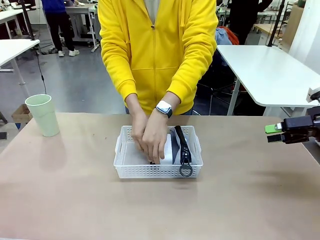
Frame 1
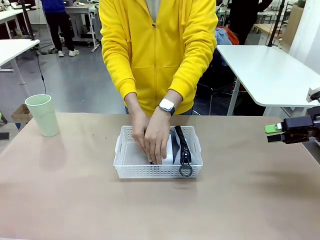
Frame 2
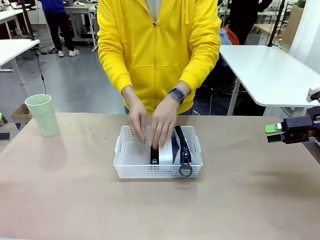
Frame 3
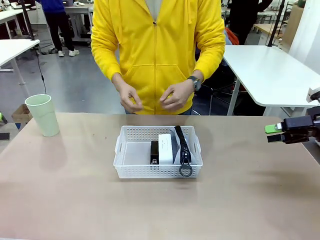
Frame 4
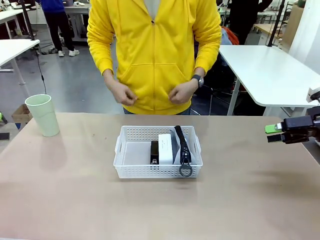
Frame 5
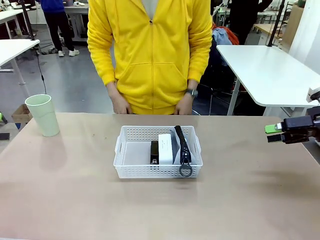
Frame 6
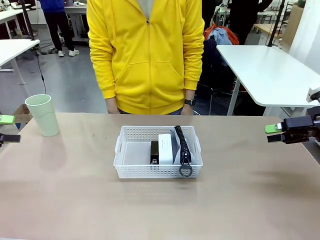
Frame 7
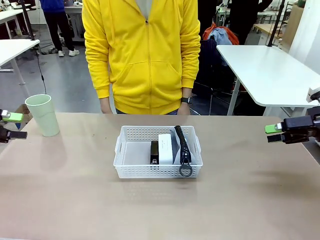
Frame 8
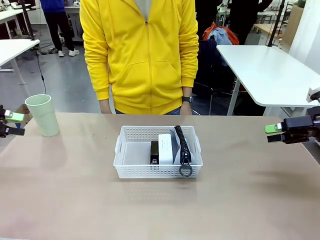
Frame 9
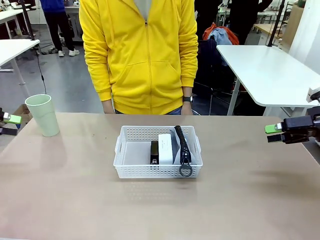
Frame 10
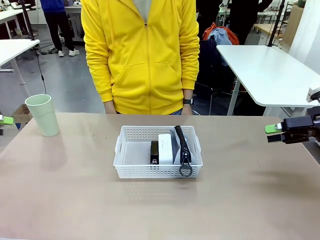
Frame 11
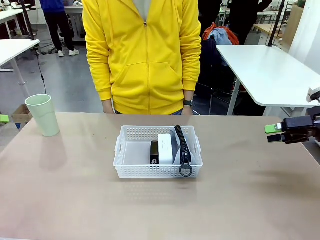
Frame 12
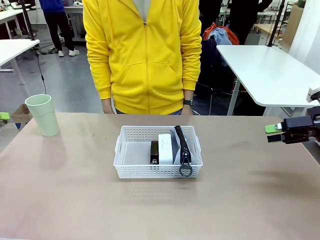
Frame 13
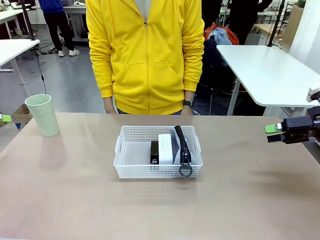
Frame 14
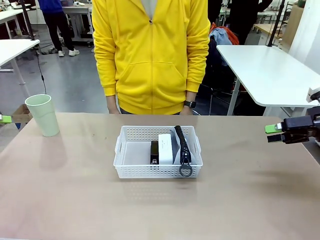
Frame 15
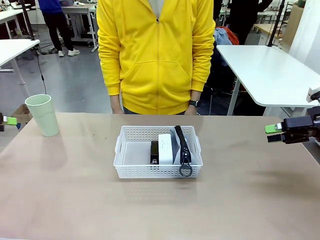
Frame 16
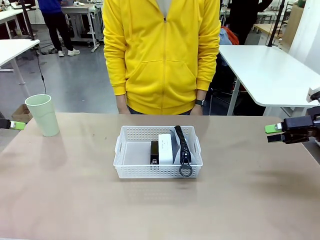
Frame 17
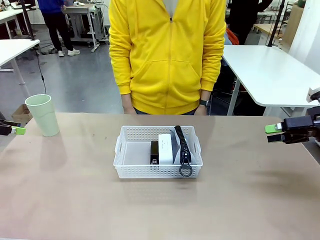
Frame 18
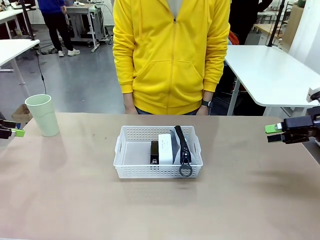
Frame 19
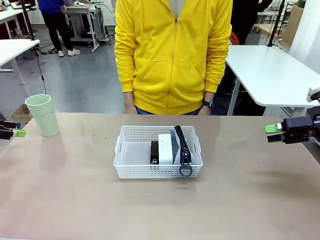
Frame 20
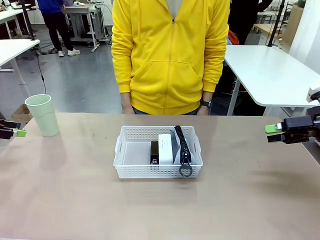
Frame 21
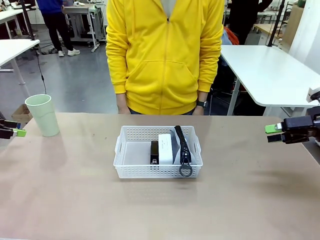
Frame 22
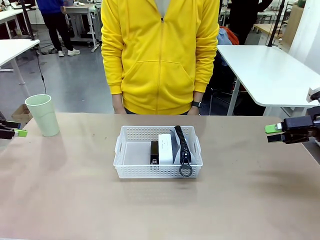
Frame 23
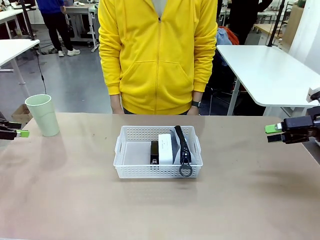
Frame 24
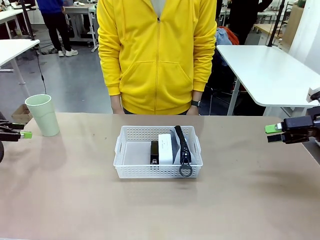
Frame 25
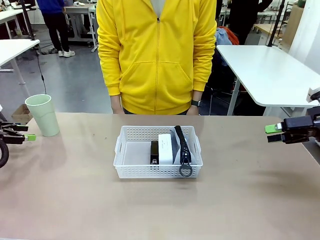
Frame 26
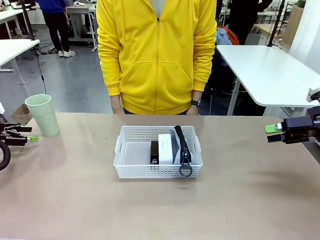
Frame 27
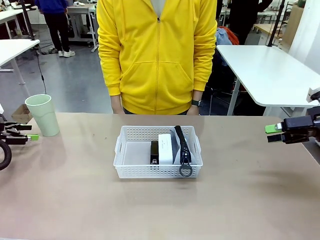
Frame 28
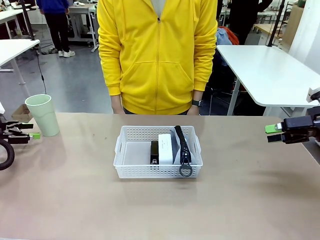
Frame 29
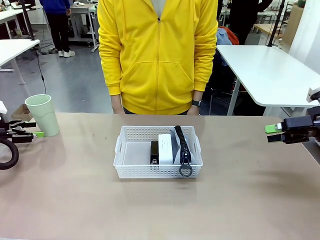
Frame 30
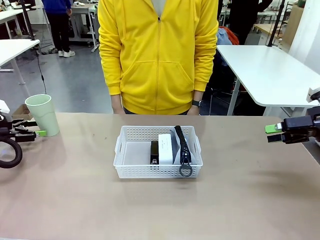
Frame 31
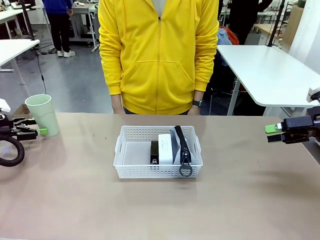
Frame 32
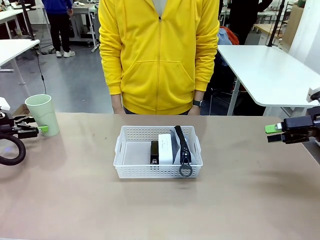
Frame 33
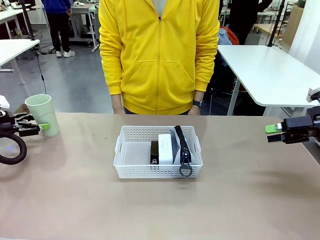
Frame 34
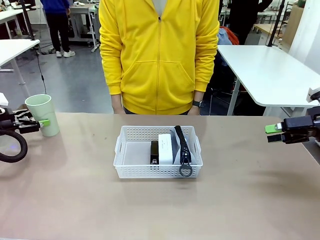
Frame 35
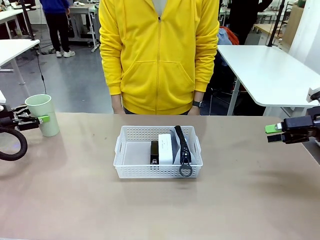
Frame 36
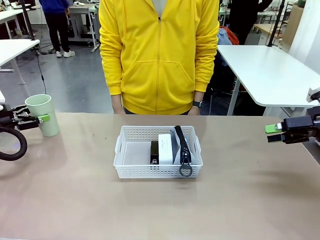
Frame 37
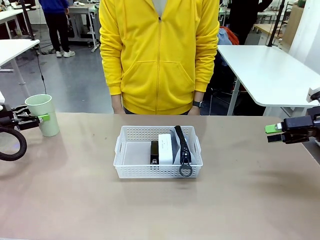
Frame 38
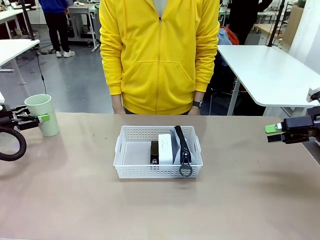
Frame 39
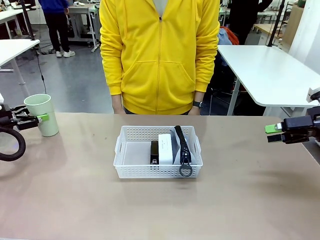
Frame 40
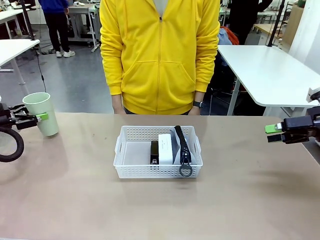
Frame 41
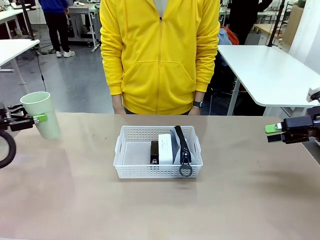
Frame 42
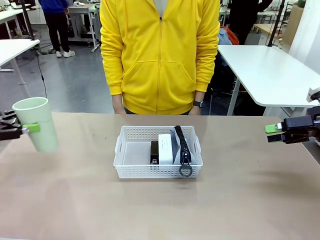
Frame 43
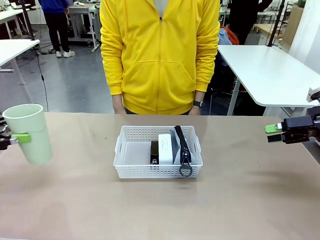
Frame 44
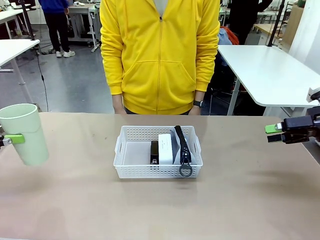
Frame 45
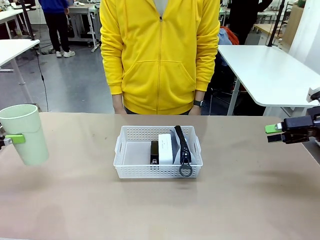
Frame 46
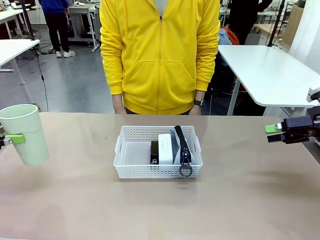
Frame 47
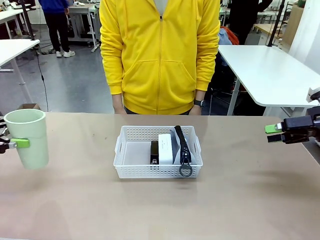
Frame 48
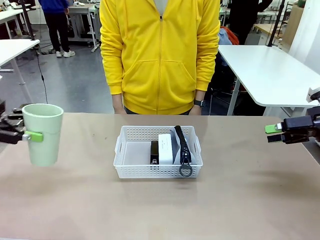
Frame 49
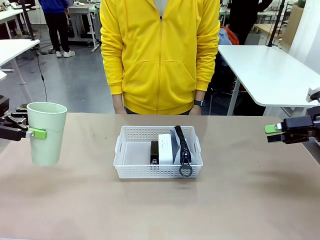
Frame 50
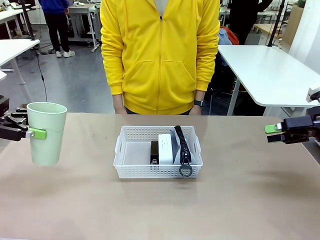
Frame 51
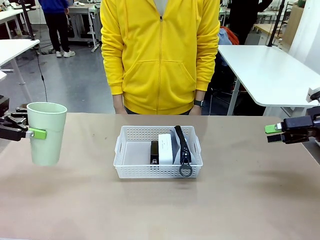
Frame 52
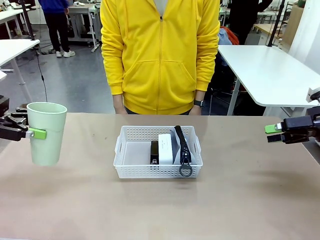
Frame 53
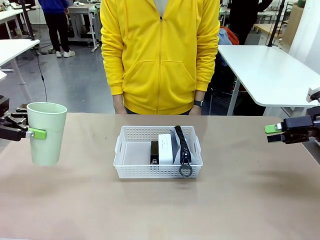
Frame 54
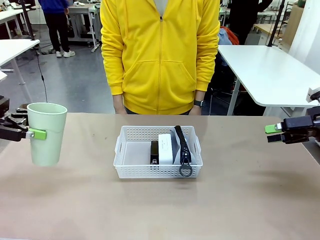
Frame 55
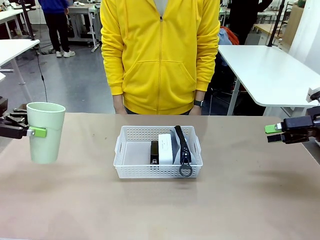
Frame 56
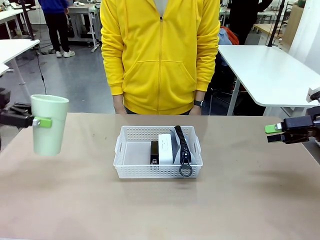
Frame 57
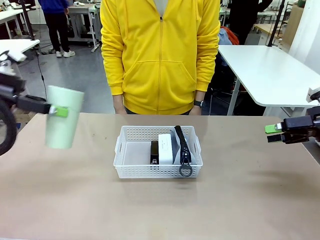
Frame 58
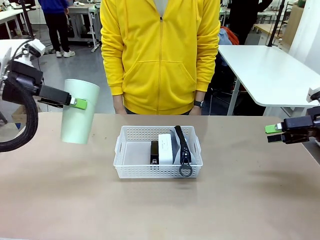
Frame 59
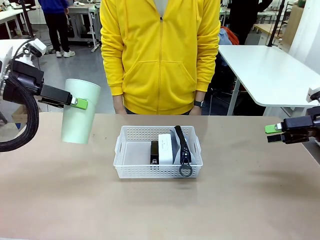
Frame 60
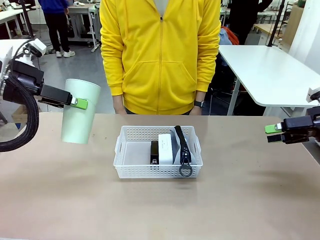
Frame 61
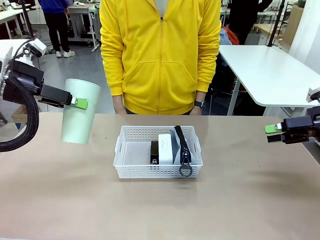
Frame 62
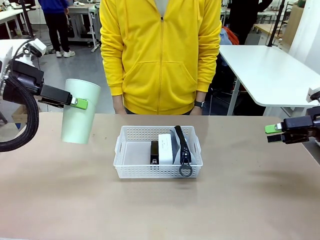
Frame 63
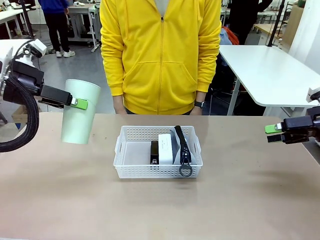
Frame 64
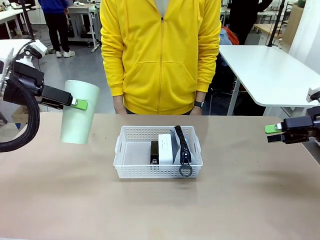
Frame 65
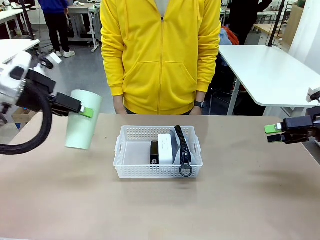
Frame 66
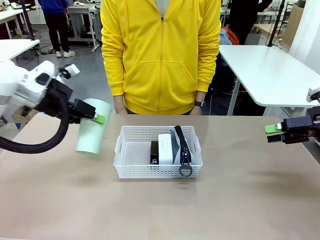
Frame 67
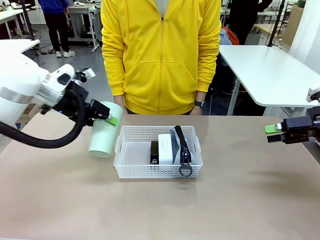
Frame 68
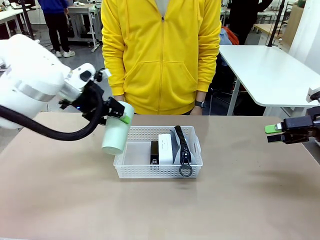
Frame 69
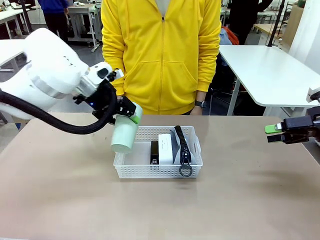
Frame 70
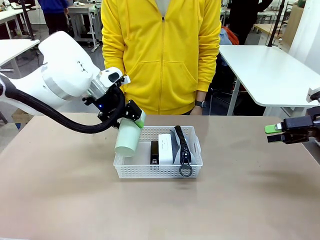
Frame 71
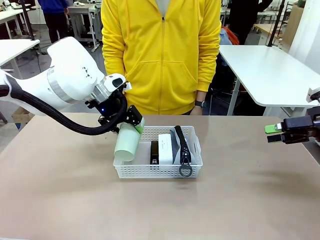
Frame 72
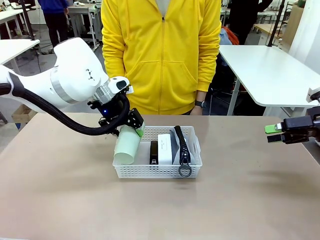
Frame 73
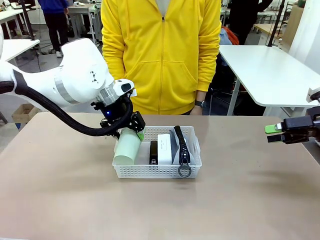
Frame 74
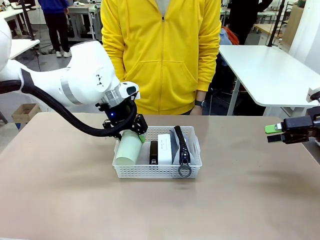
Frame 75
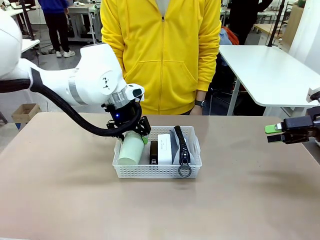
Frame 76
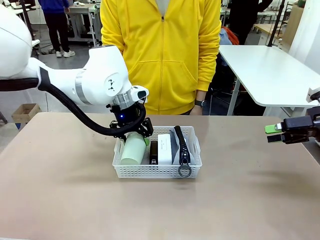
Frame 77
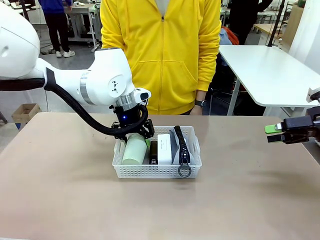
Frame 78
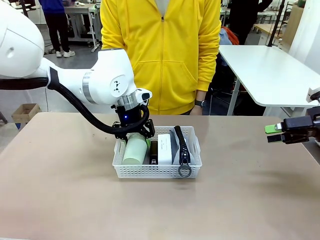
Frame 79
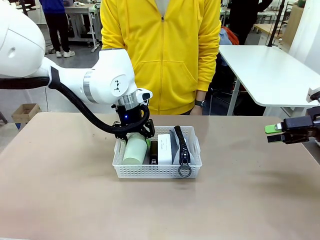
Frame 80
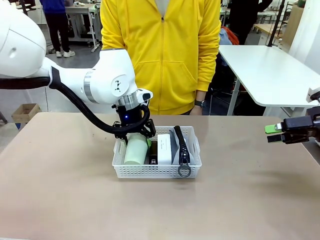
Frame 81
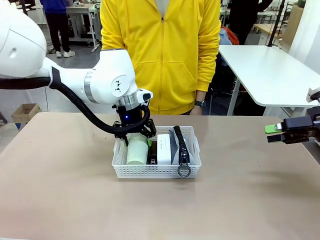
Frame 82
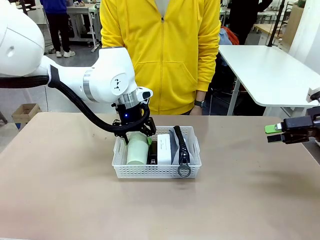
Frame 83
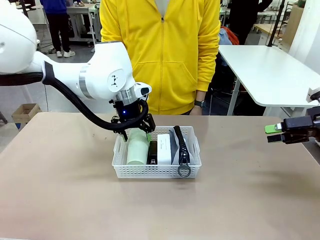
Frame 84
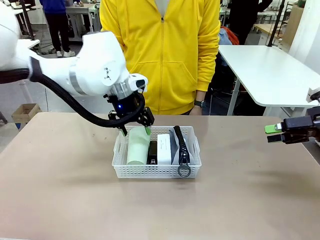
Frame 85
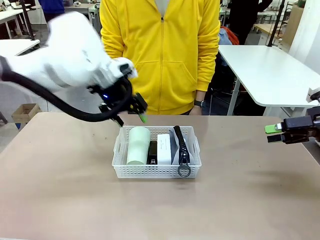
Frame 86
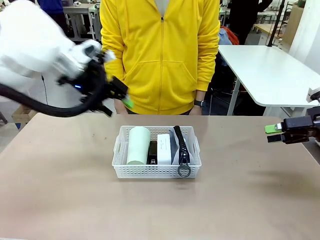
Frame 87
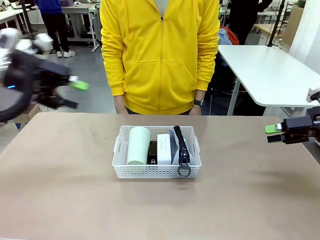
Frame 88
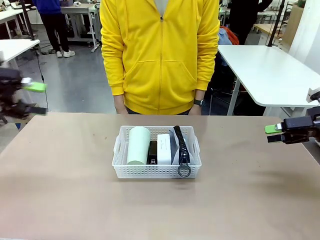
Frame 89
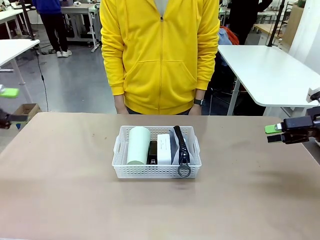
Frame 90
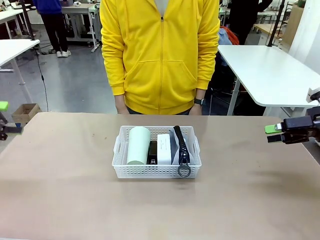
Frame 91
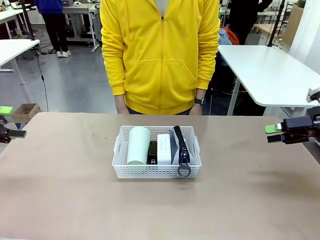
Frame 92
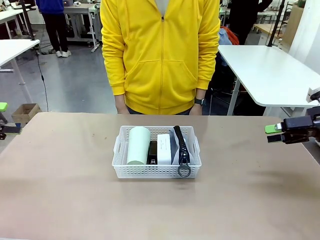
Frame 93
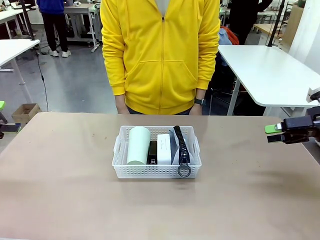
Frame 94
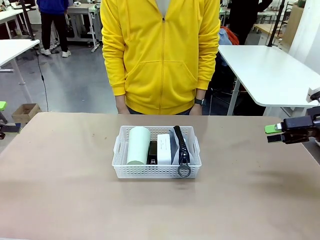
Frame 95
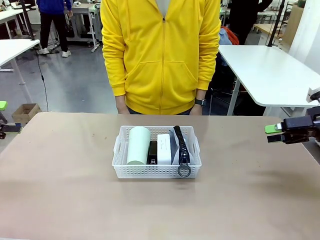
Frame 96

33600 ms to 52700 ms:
Task: Efficiently arrange items inside the basket to fit them all.
Robot: Pick up the Reusable plastic cup and place it inside the Organizing basket.
Person: Repositions the stapler.
